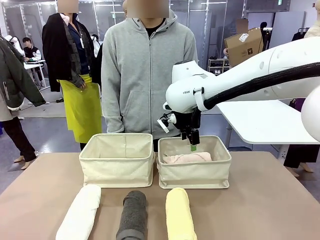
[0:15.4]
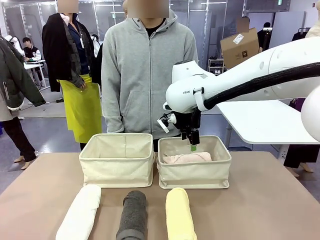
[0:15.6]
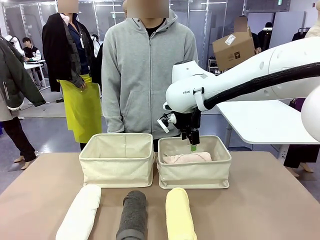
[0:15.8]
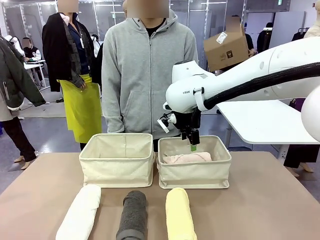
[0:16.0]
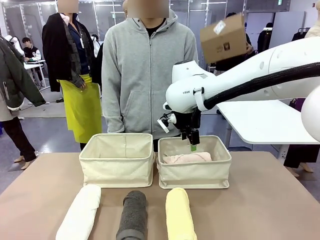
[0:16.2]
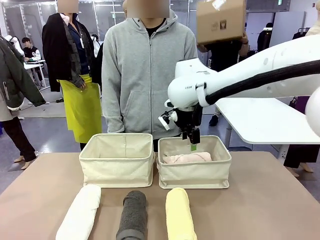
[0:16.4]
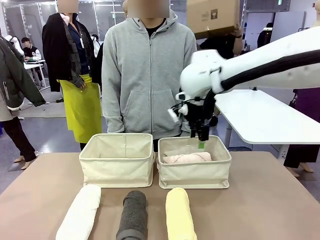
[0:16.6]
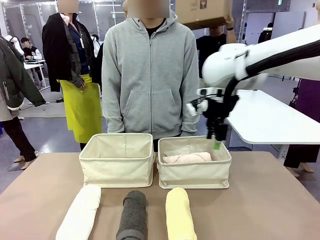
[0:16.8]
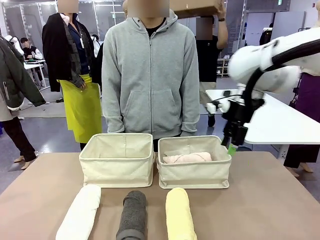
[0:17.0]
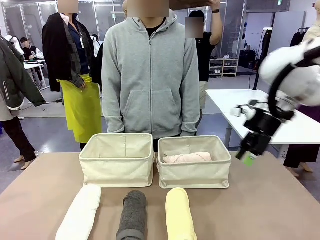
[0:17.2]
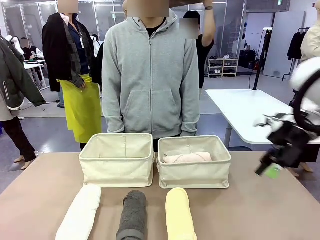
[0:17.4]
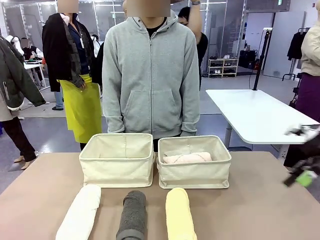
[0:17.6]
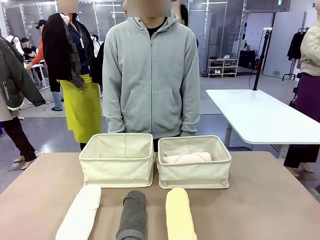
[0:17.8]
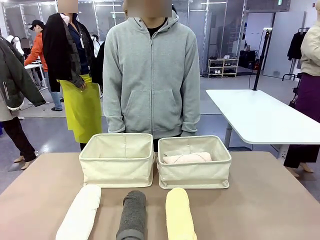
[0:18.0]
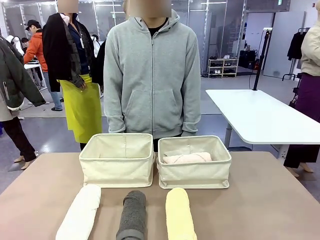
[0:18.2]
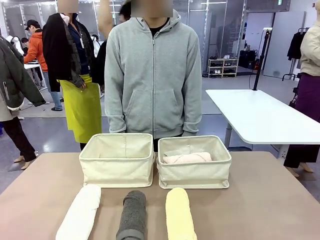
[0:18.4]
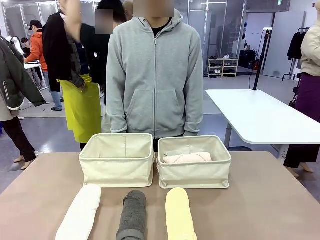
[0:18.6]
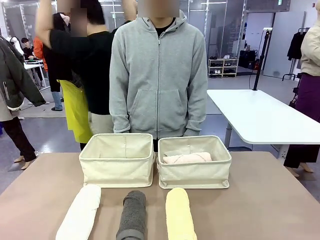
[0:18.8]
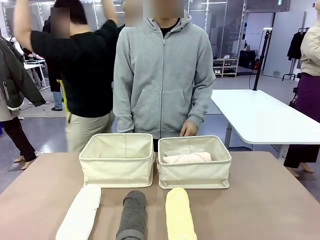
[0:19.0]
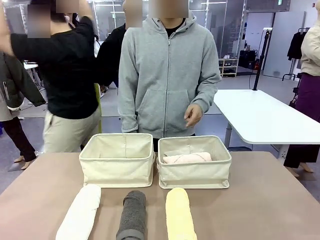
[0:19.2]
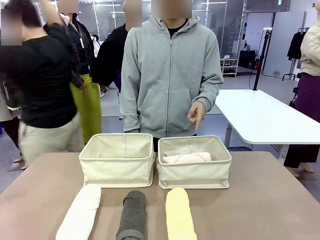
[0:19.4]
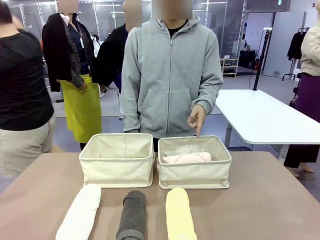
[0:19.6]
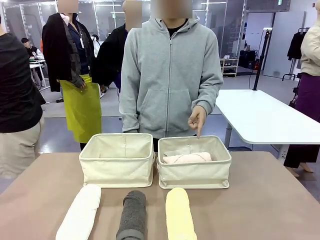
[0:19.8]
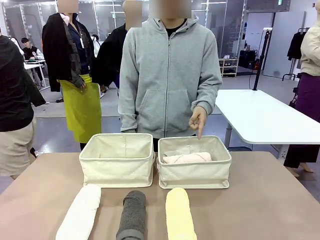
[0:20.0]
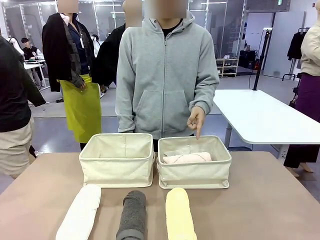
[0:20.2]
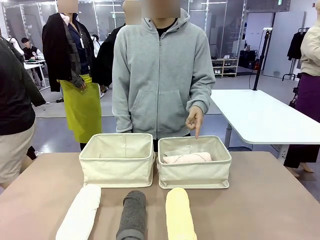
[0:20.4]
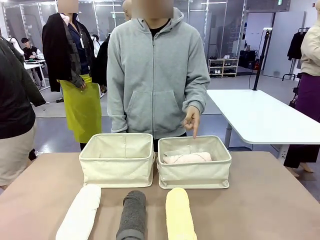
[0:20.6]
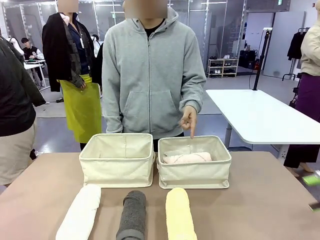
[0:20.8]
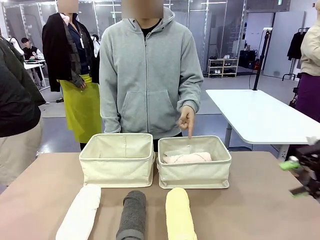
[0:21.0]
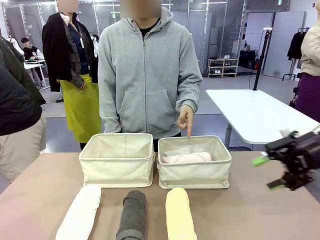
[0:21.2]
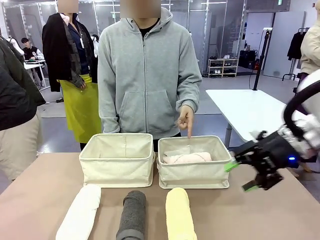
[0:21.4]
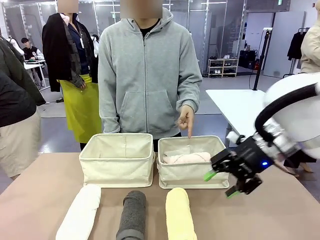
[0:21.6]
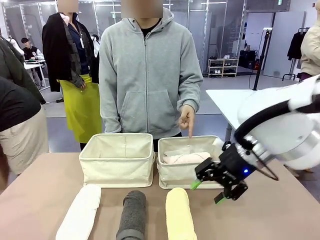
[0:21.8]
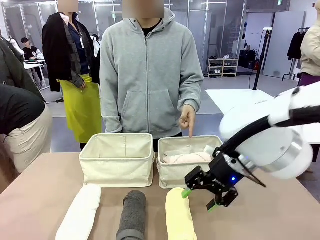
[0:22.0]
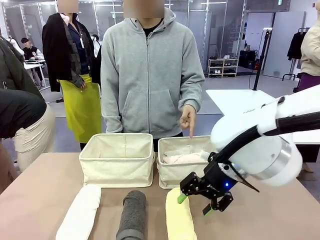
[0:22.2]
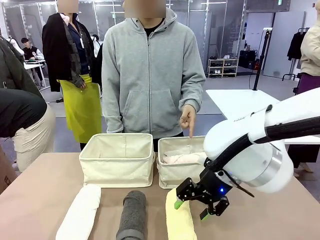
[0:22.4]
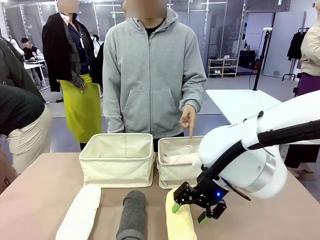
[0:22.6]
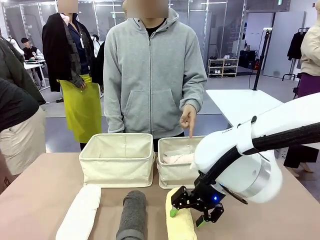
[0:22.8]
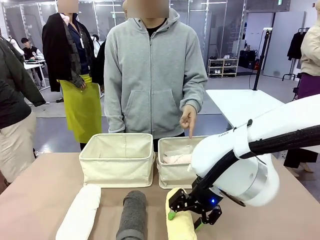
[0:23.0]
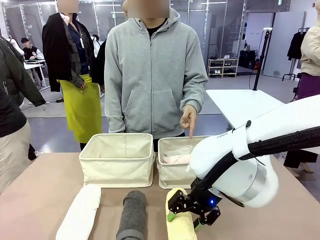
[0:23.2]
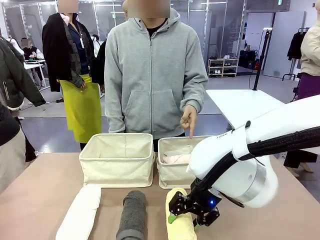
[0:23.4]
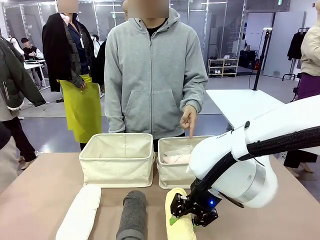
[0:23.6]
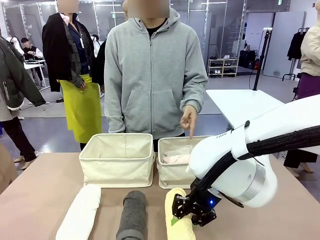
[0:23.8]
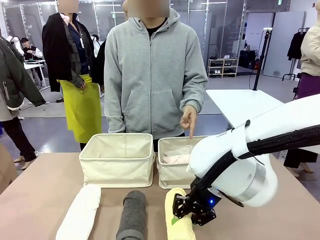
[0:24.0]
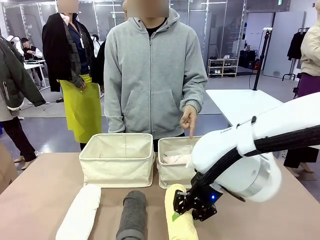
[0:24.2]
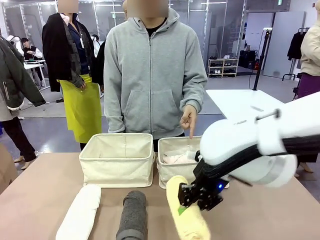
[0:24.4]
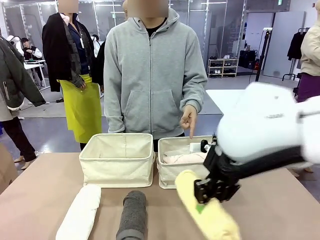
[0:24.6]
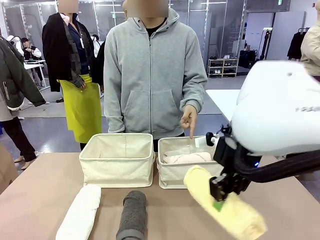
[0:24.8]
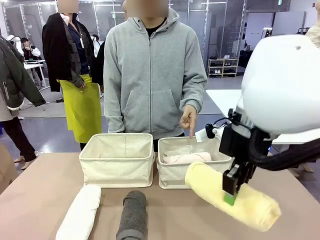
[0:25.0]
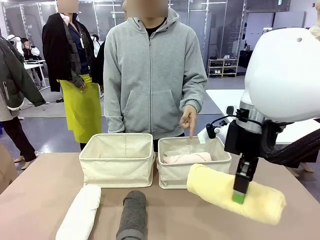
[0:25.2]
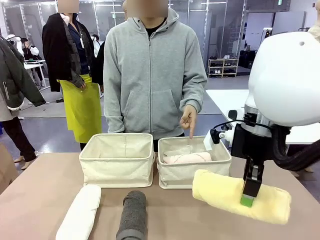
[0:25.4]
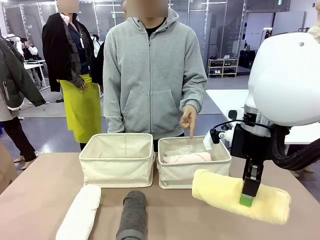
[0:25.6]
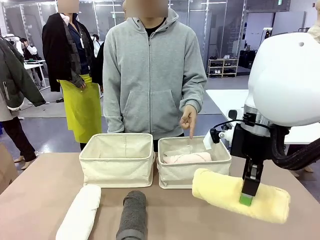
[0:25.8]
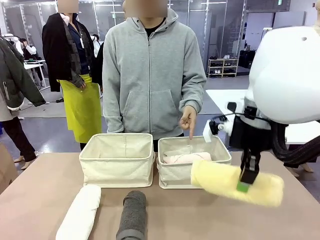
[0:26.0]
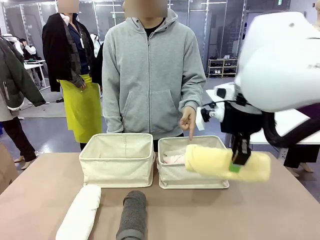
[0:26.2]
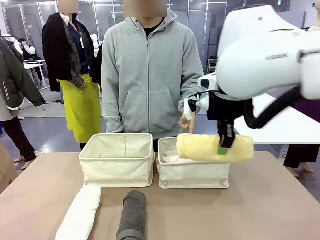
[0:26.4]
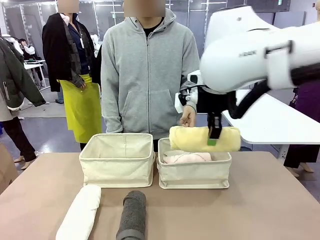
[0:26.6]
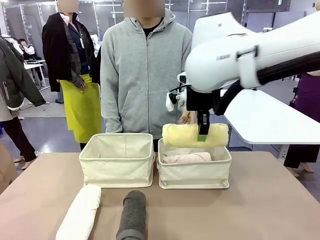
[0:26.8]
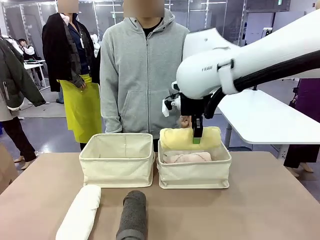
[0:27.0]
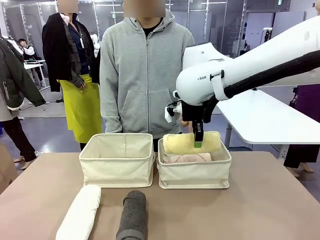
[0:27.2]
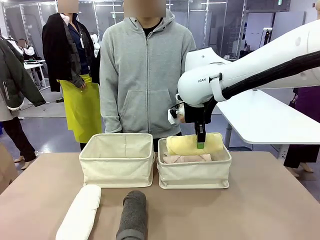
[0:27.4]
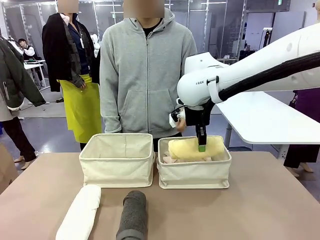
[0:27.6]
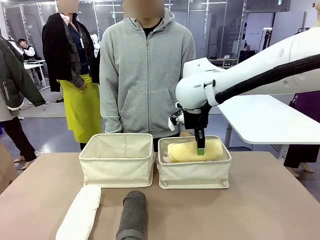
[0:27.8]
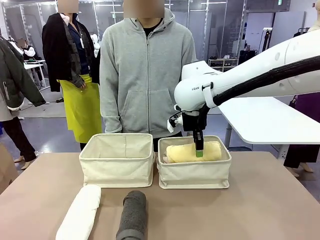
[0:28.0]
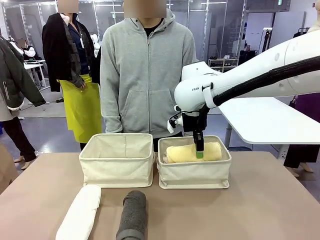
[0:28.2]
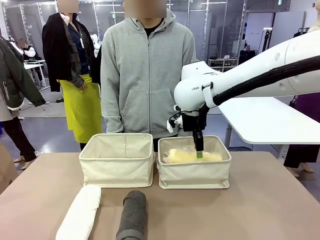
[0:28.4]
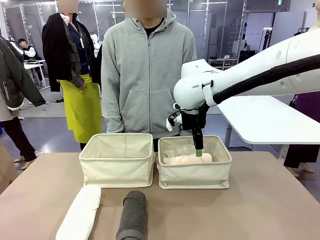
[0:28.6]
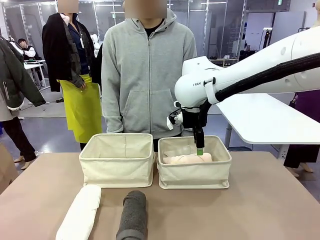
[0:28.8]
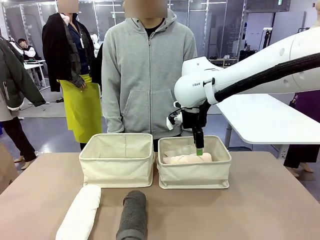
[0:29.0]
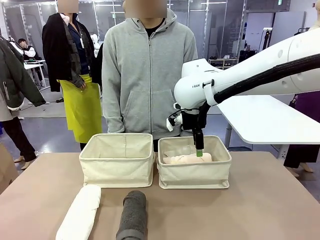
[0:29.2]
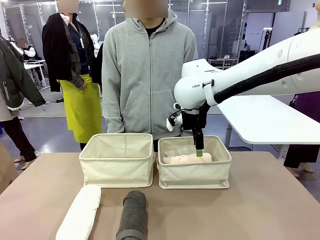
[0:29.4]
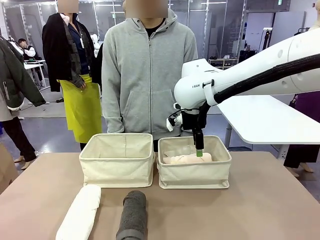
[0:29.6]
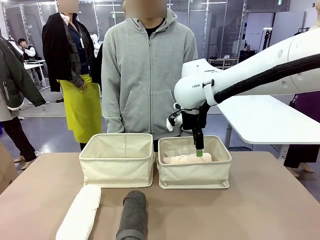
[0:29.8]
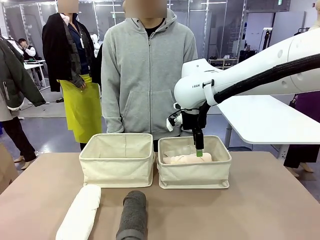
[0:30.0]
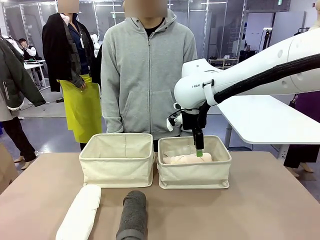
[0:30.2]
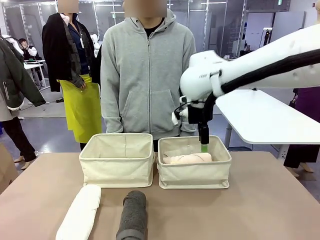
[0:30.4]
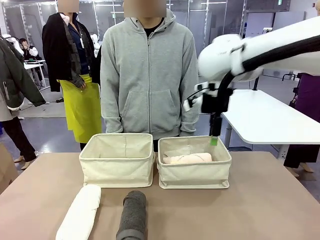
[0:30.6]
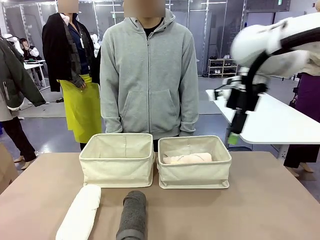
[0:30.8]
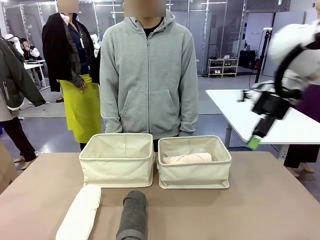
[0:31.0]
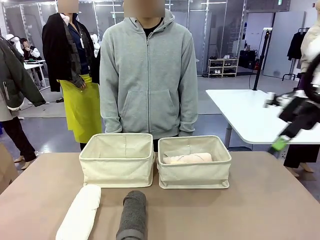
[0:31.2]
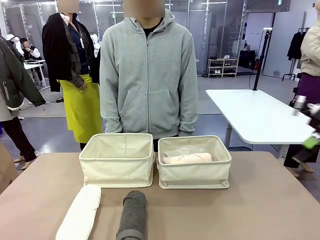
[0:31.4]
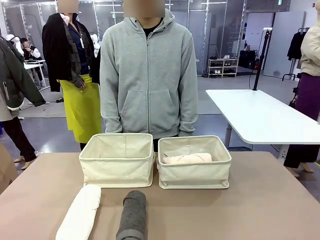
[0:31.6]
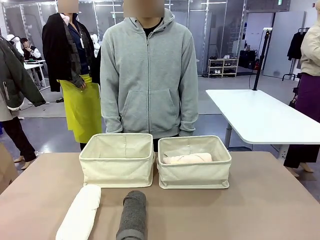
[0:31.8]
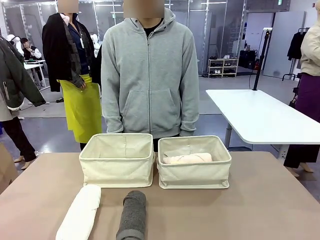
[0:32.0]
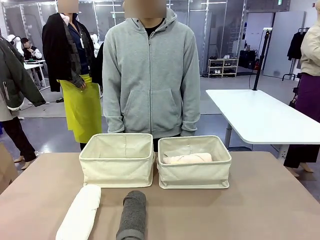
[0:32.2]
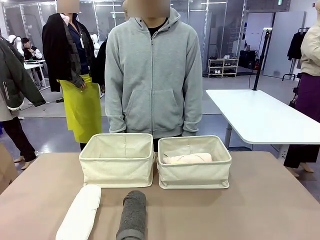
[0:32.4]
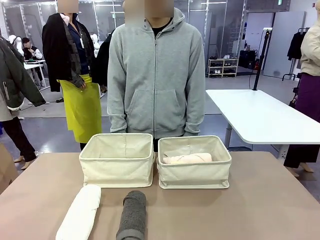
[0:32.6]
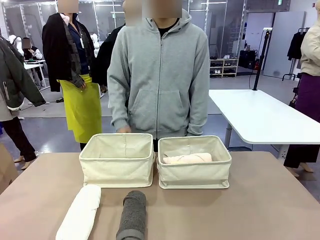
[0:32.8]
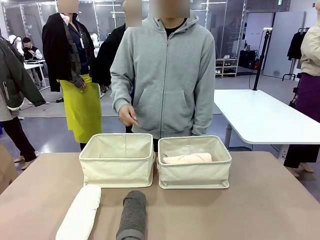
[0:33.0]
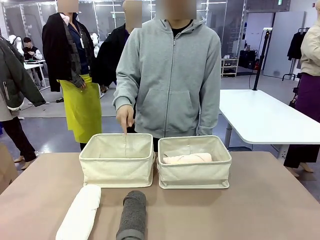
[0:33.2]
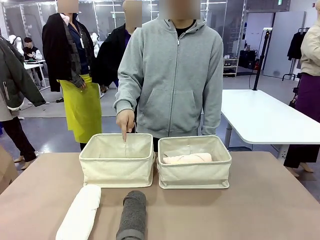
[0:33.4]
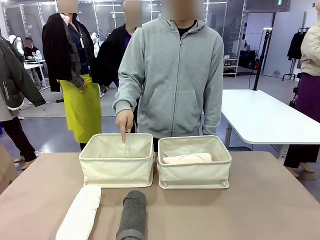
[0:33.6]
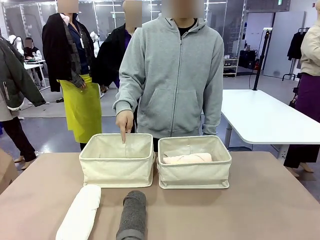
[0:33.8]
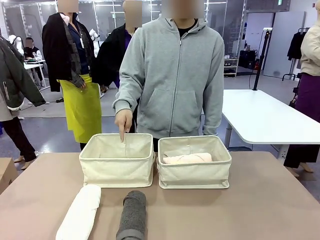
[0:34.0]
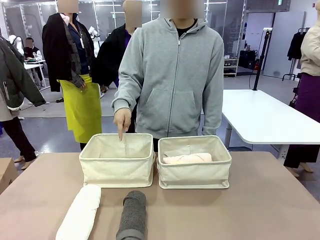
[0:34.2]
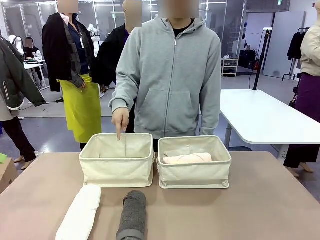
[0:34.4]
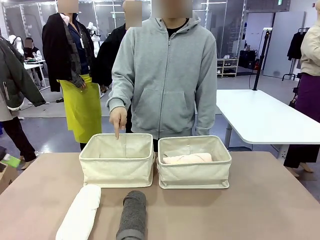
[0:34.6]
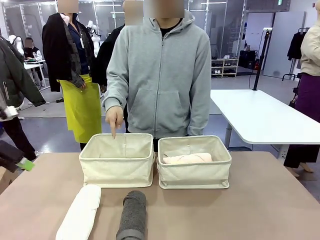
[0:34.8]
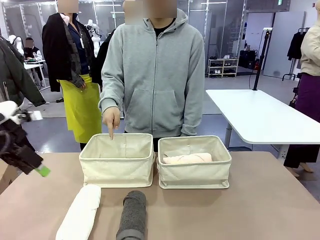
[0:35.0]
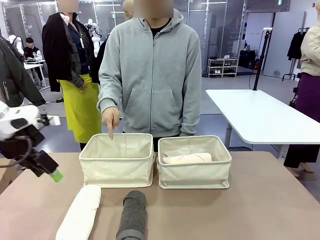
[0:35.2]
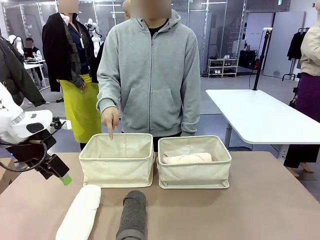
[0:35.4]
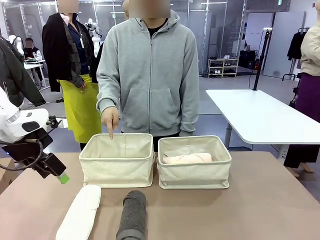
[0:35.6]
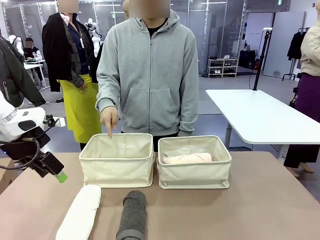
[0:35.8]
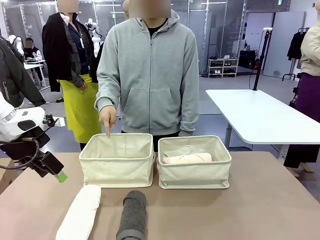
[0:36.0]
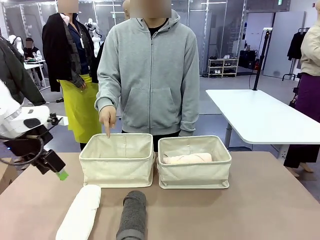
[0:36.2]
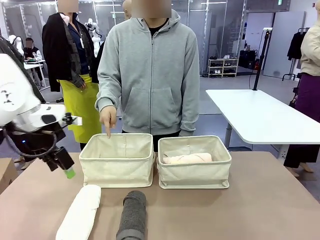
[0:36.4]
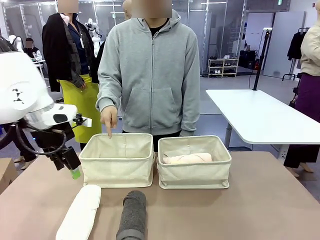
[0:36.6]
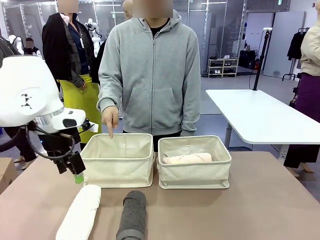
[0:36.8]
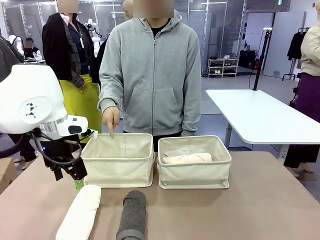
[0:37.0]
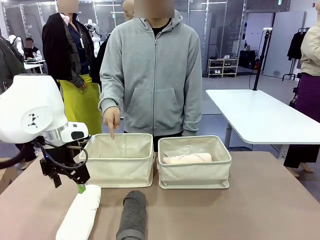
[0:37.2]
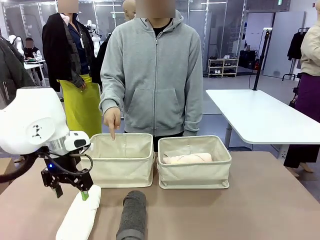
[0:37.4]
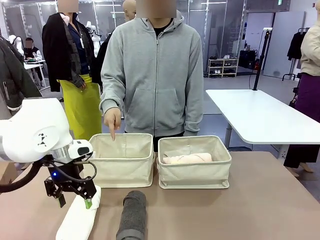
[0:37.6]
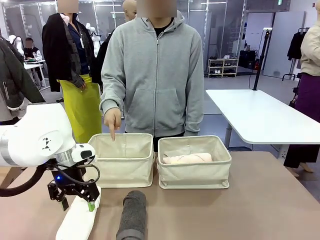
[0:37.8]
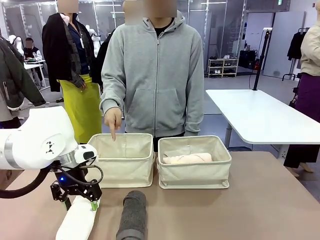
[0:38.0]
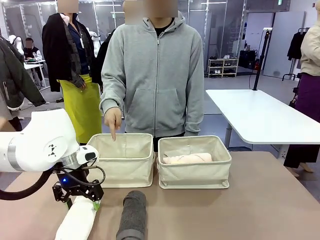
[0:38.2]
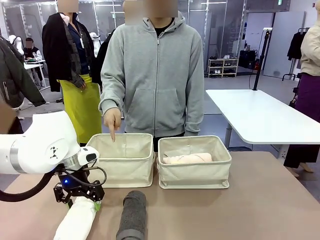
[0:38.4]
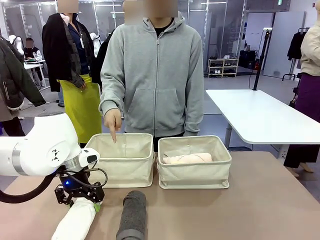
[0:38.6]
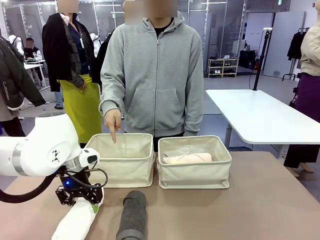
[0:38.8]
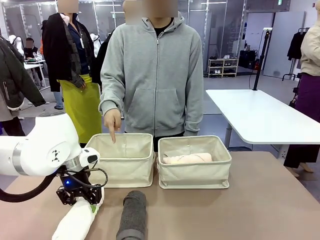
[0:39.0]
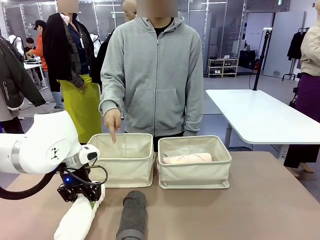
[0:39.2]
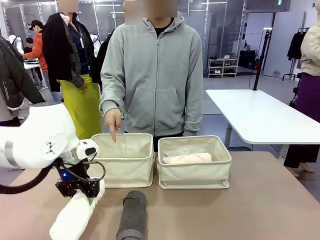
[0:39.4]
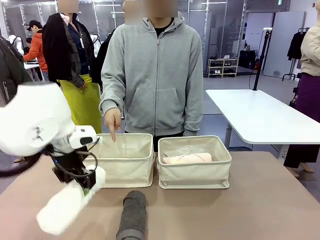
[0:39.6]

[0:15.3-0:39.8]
Task: Divide the towels into two baskets.
Robot: Pick up one hotel-folded towel from the bottom of the table and place it in the Fabric basket indicated by the person.
